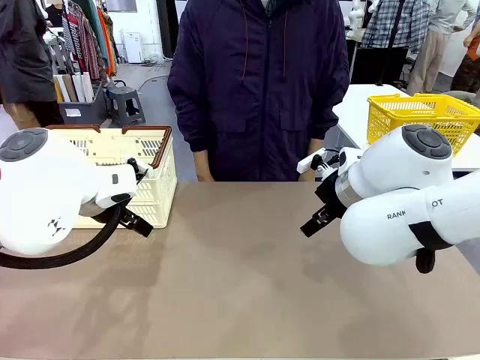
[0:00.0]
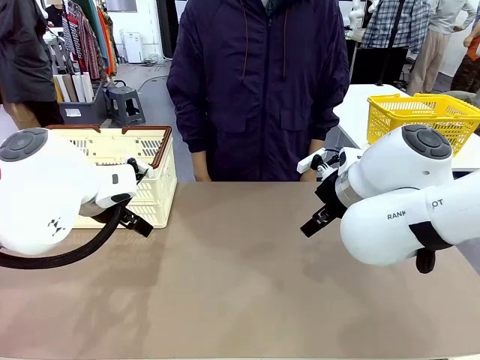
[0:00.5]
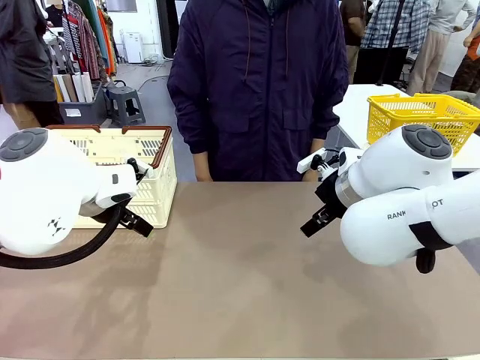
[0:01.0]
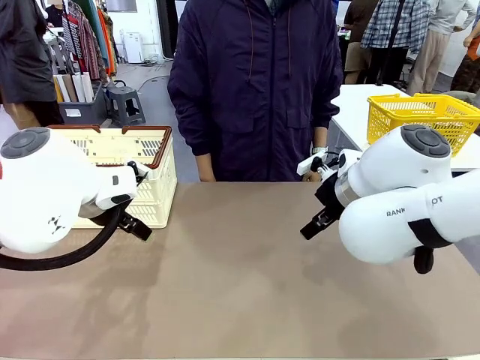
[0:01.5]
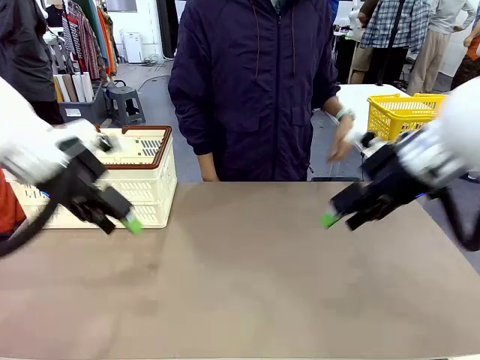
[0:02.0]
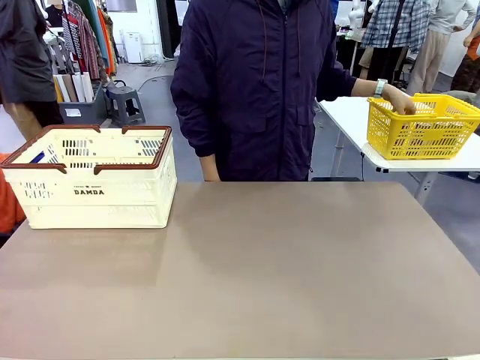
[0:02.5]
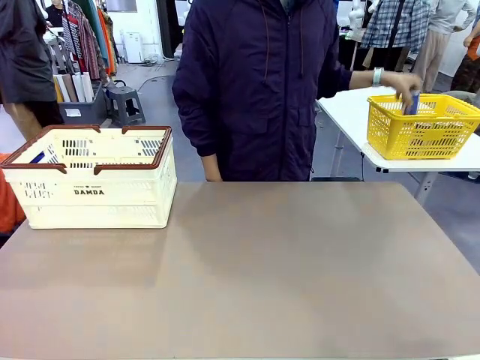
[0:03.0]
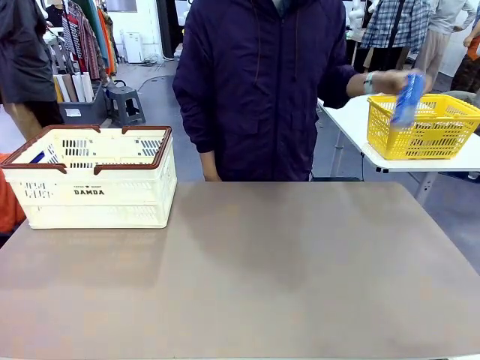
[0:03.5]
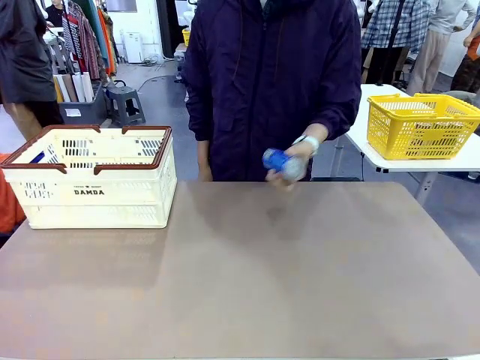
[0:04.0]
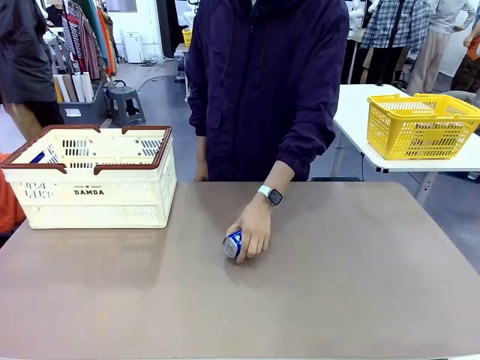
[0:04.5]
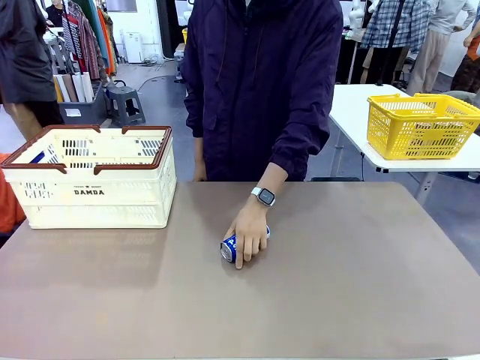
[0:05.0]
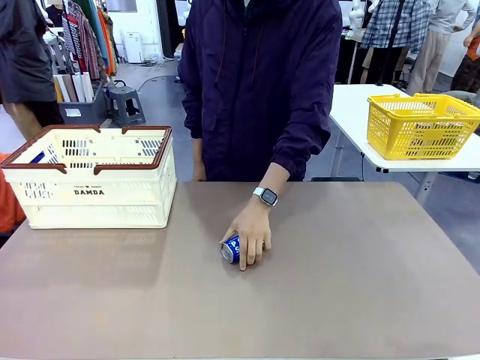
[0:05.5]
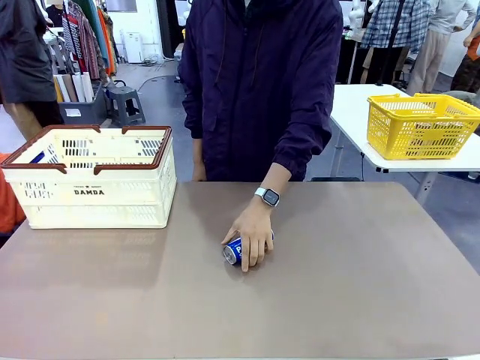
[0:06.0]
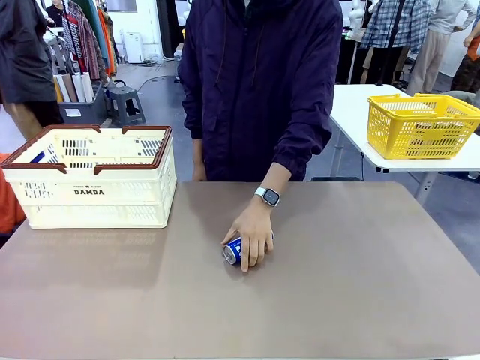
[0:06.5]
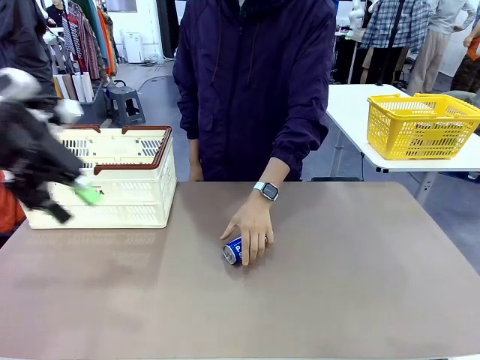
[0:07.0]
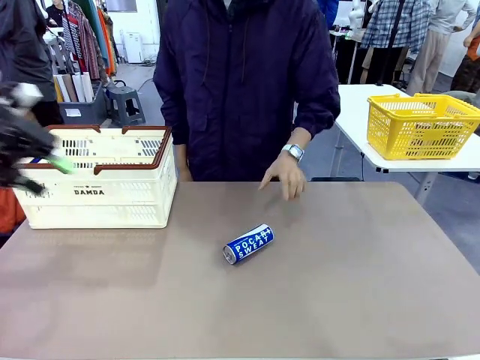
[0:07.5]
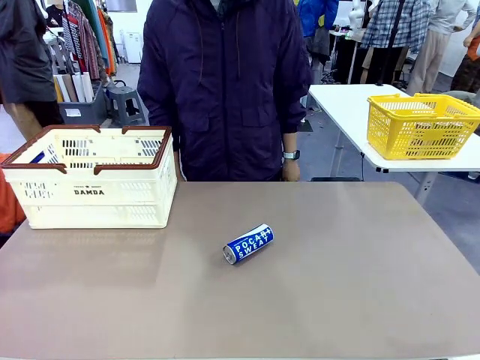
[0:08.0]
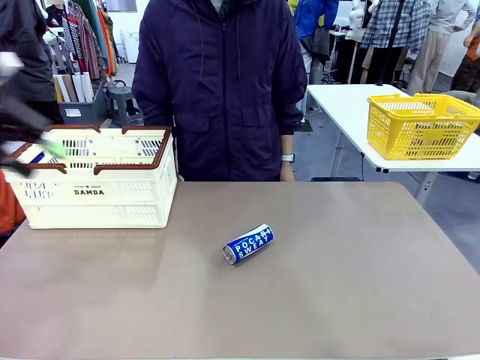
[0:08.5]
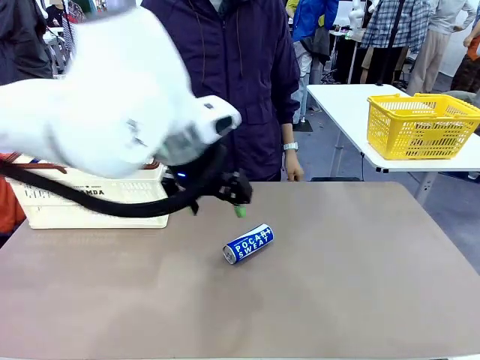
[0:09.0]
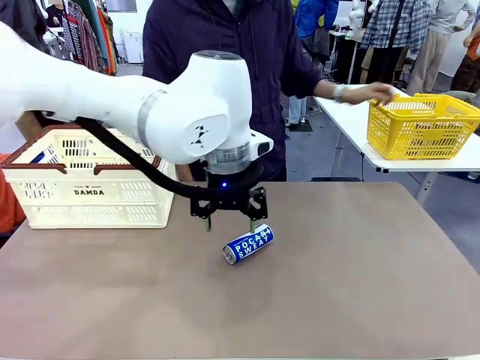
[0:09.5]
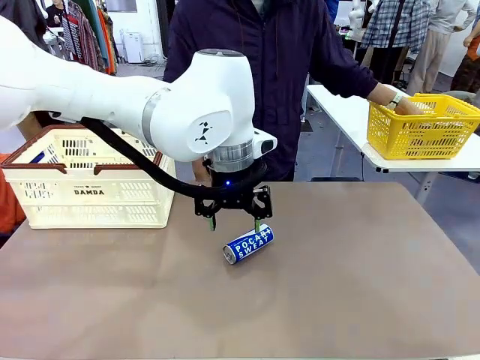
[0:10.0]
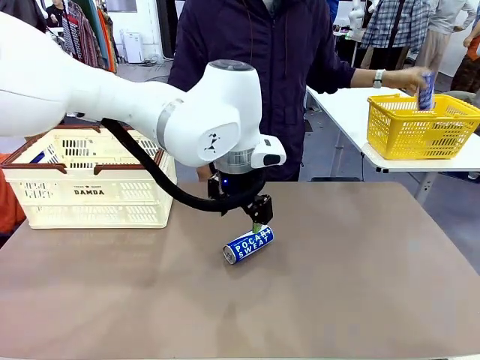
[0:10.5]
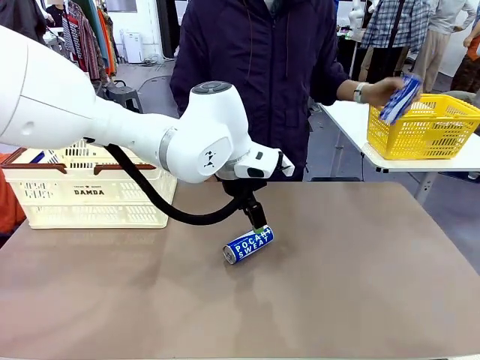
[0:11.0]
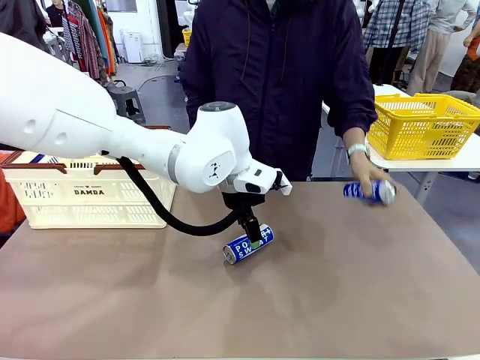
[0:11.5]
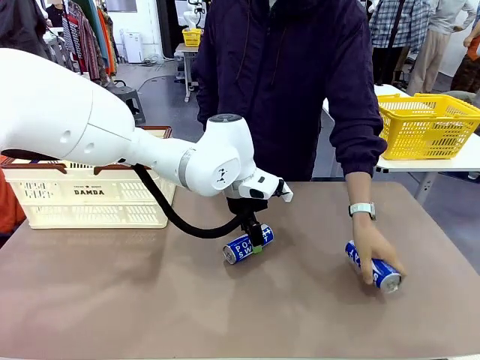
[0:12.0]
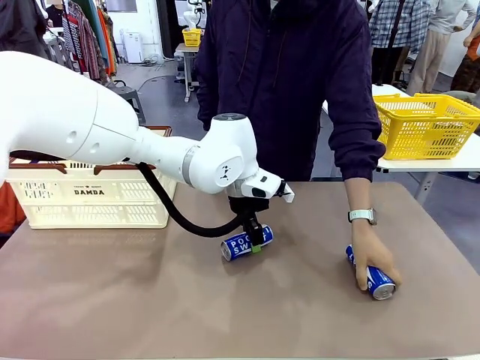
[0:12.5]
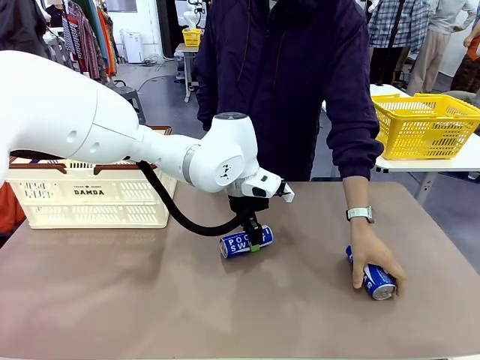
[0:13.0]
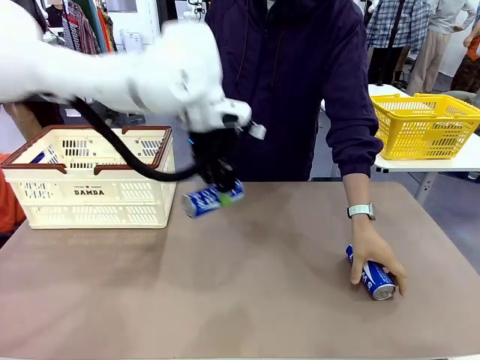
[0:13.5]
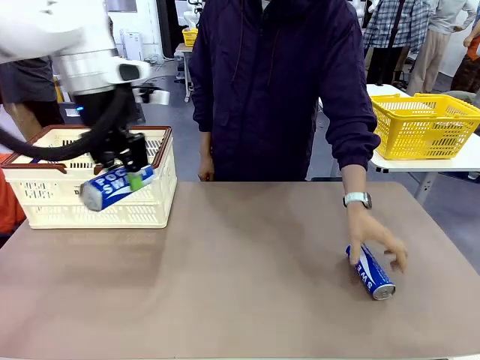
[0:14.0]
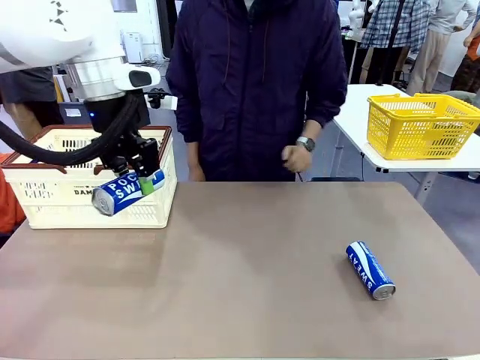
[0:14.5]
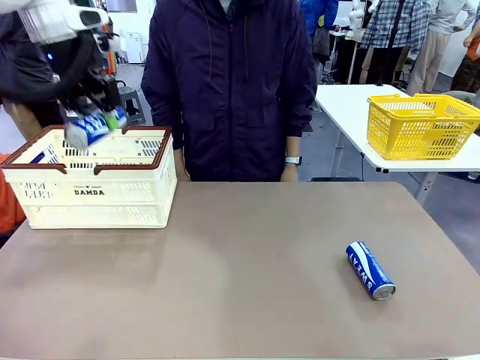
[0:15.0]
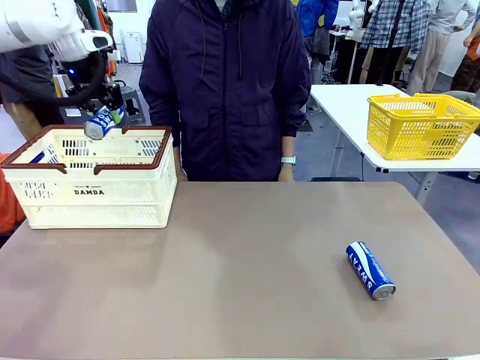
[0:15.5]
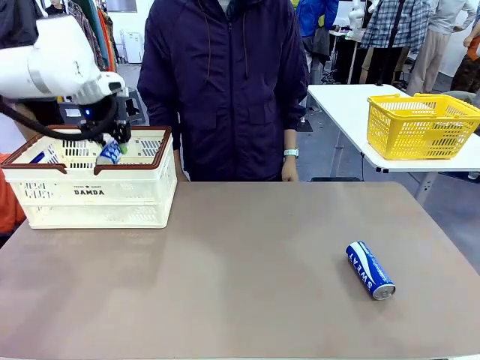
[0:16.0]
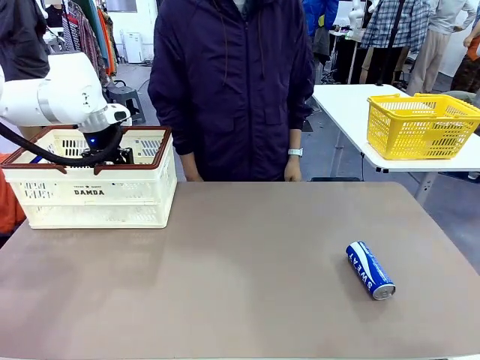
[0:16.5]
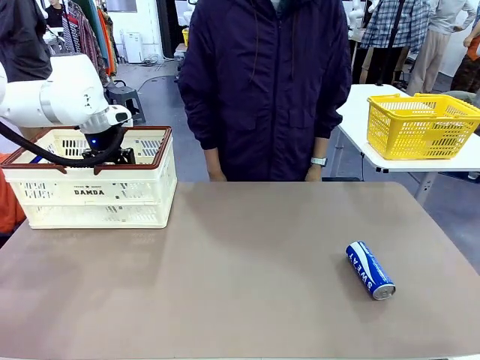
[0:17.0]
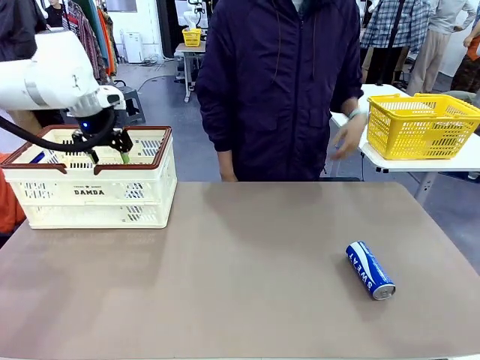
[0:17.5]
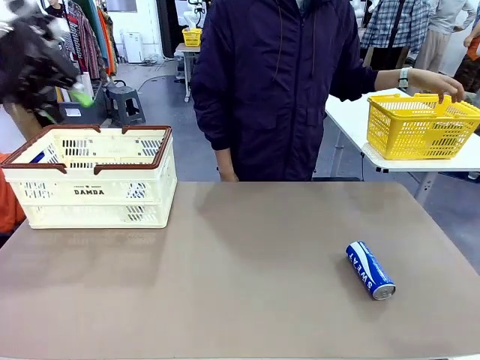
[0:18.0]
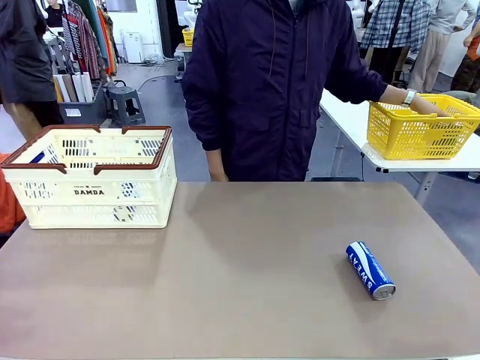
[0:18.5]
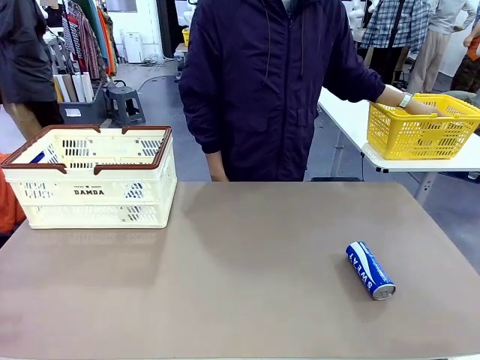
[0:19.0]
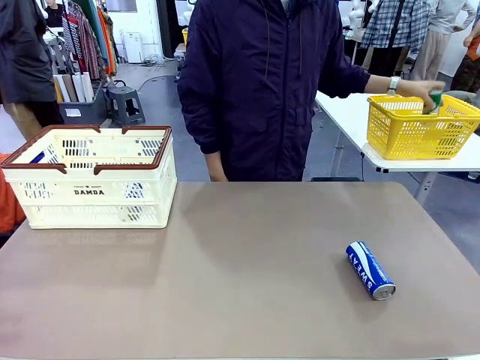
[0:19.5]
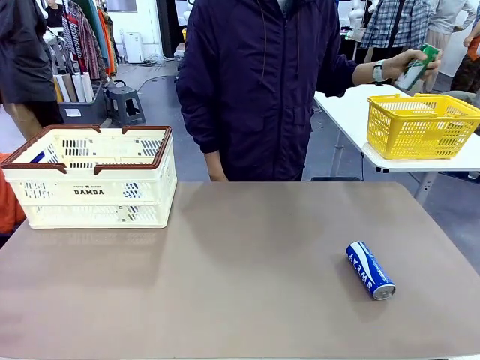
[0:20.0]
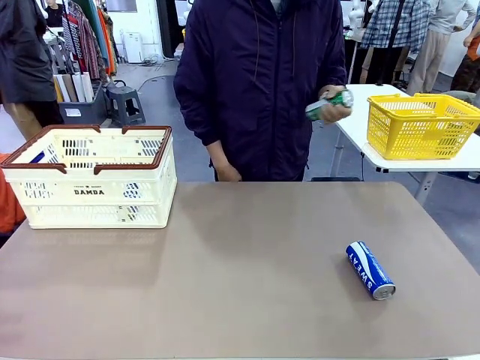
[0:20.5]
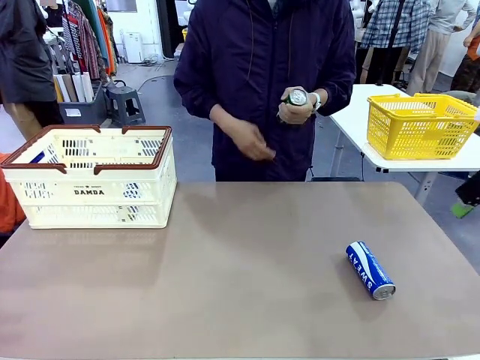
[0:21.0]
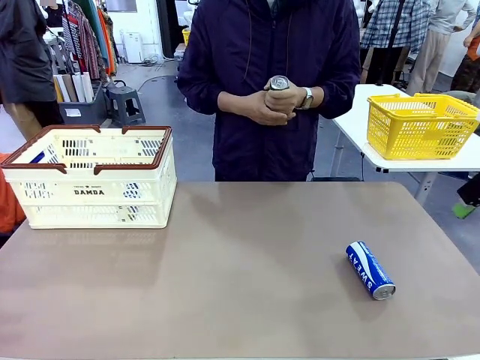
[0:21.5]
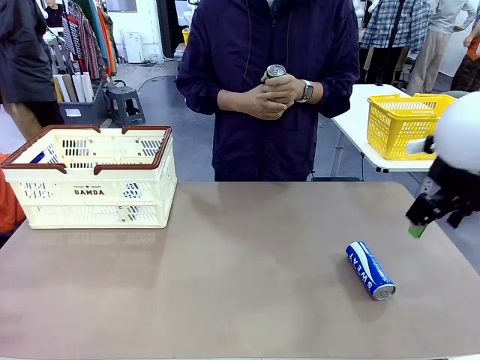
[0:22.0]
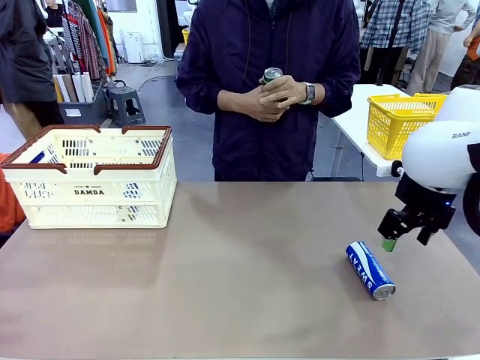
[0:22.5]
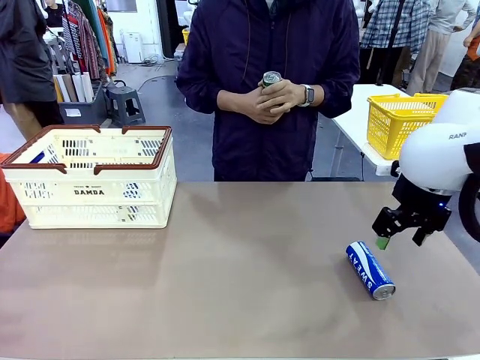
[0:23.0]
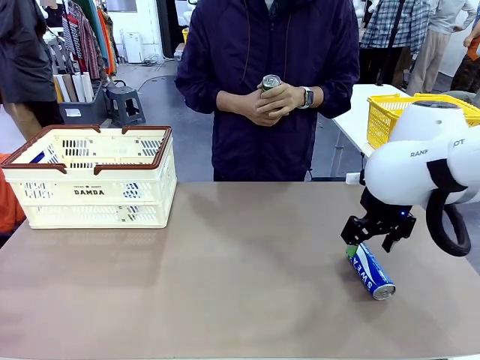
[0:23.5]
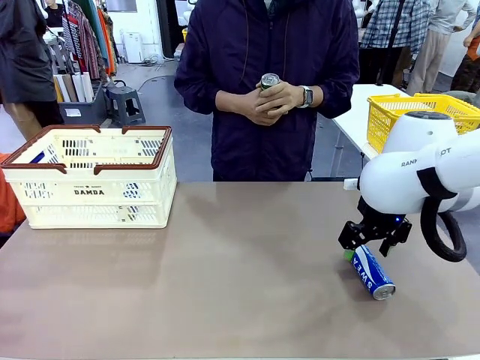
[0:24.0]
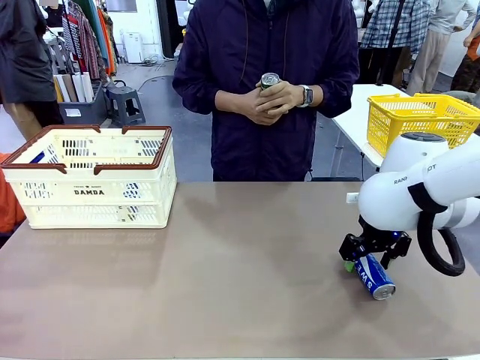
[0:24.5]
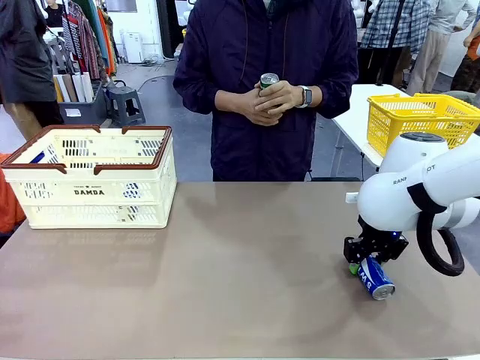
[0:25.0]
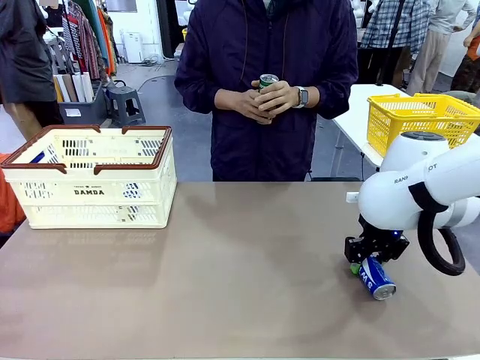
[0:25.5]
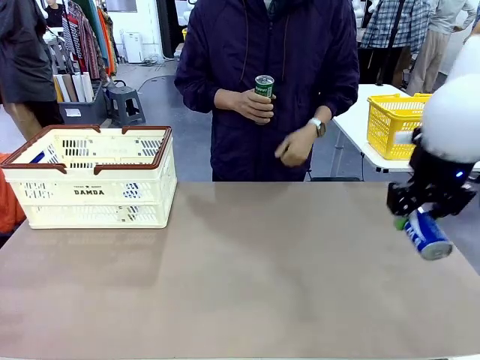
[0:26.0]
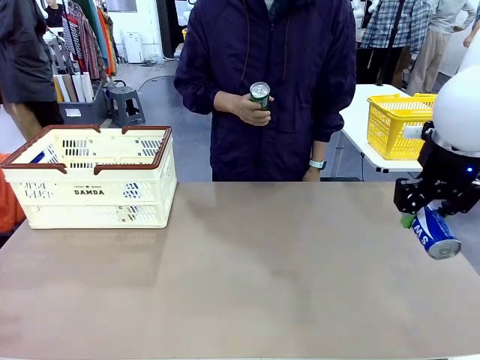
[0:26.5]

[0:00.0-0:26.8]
Task: Place the drinks into the Shopping basket.
Robot: Pick up one drink and place it into the Shopping basket.
